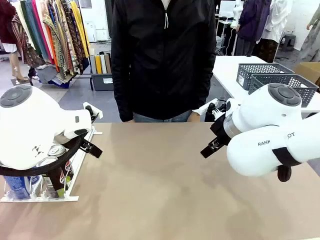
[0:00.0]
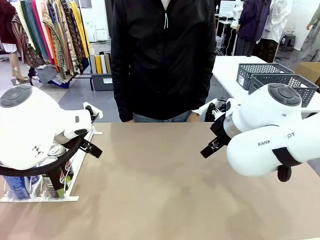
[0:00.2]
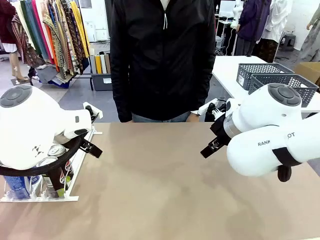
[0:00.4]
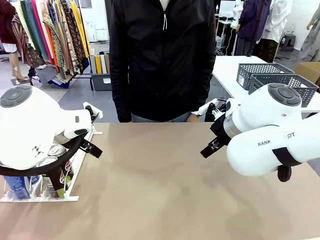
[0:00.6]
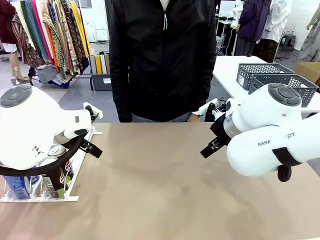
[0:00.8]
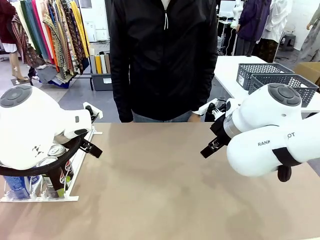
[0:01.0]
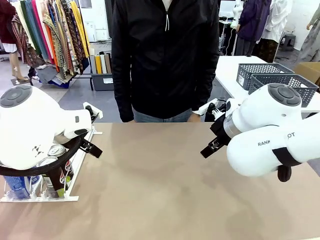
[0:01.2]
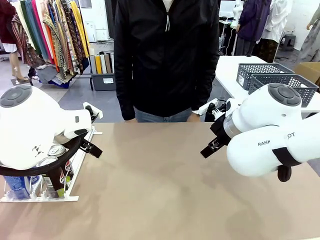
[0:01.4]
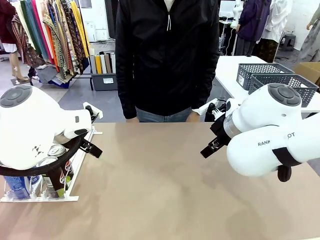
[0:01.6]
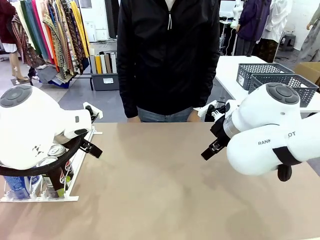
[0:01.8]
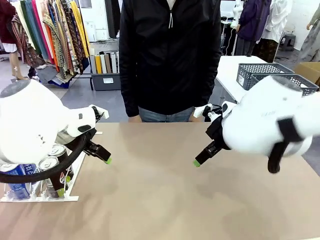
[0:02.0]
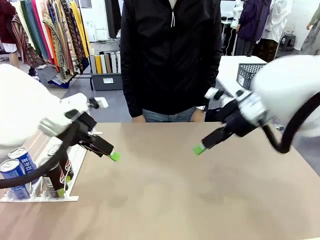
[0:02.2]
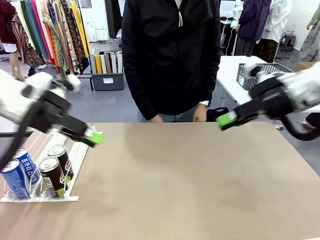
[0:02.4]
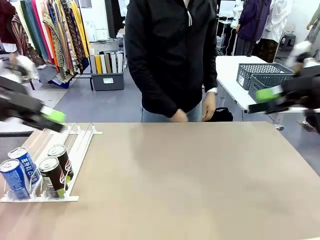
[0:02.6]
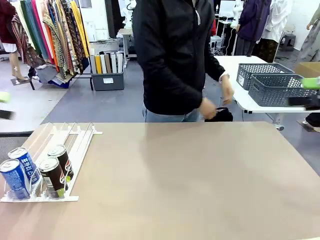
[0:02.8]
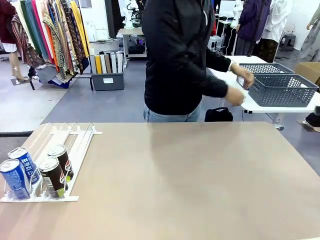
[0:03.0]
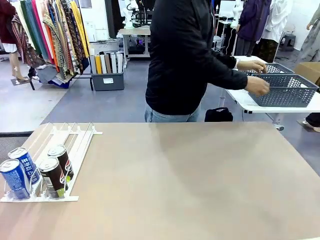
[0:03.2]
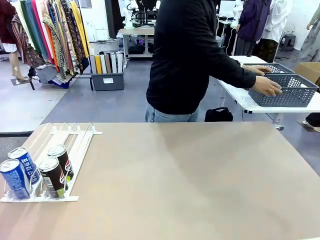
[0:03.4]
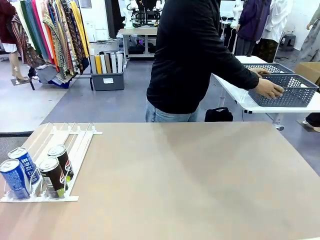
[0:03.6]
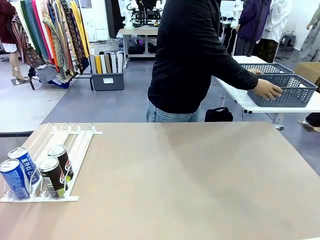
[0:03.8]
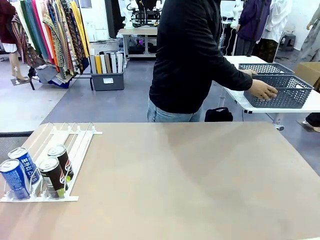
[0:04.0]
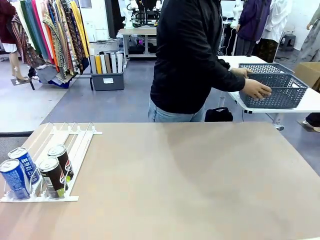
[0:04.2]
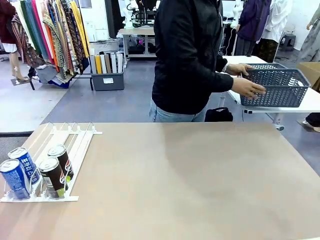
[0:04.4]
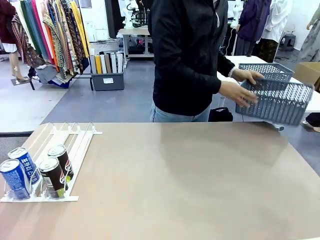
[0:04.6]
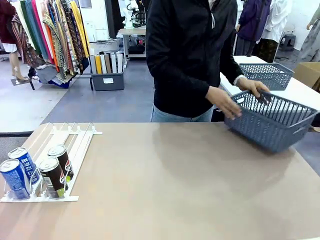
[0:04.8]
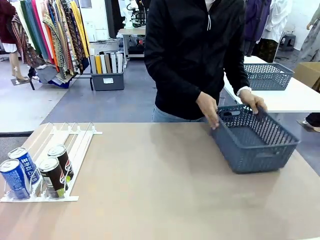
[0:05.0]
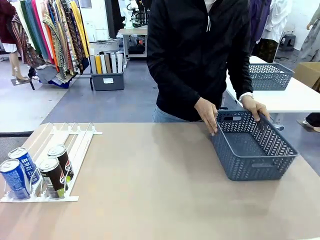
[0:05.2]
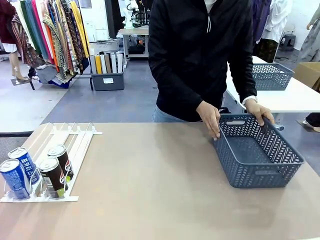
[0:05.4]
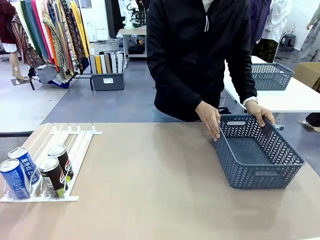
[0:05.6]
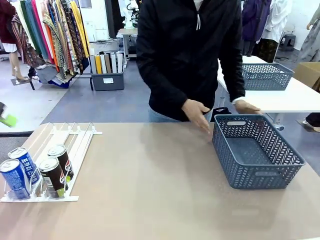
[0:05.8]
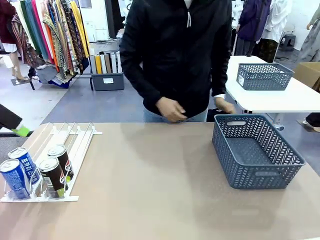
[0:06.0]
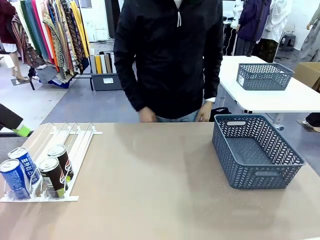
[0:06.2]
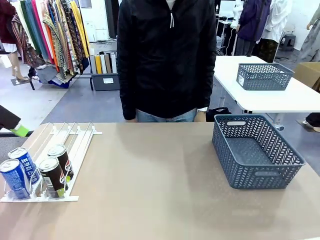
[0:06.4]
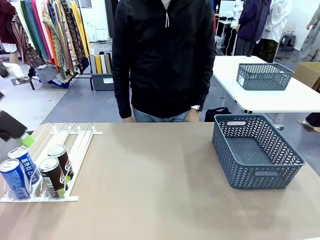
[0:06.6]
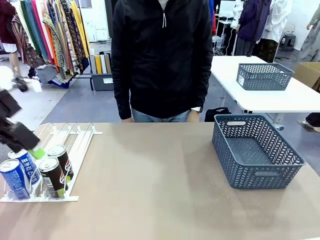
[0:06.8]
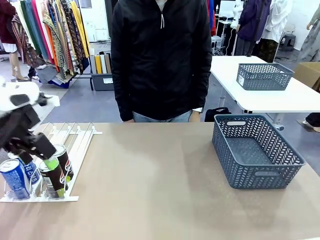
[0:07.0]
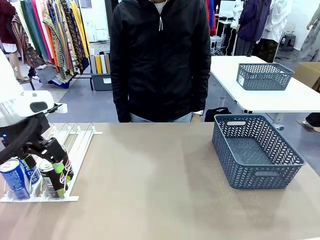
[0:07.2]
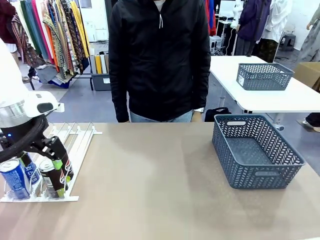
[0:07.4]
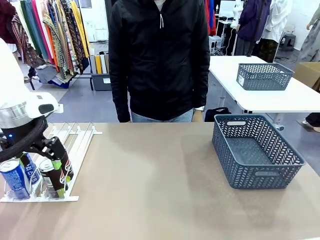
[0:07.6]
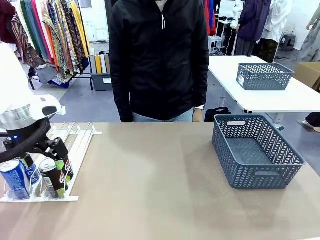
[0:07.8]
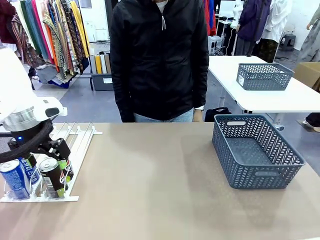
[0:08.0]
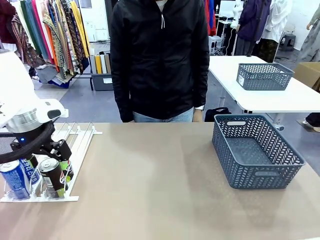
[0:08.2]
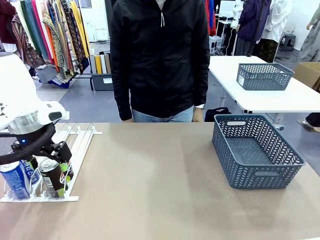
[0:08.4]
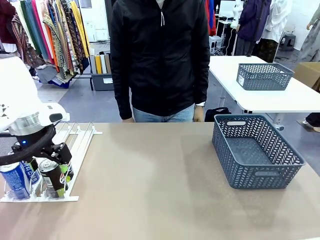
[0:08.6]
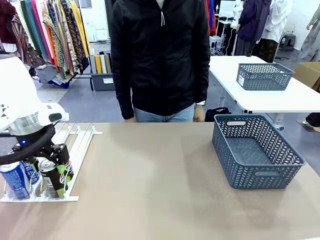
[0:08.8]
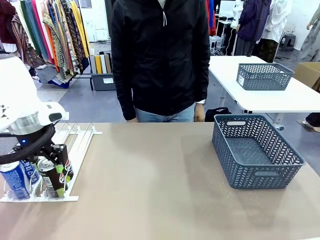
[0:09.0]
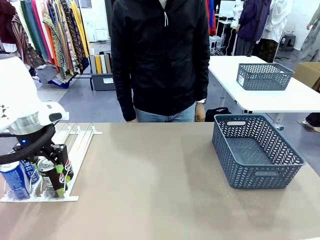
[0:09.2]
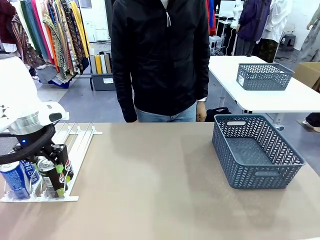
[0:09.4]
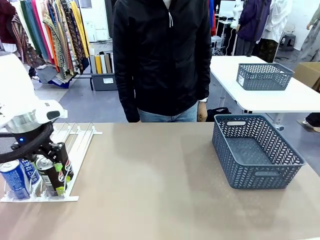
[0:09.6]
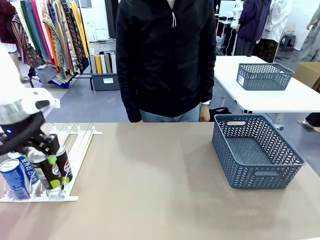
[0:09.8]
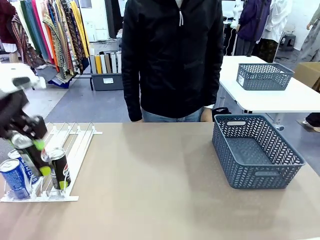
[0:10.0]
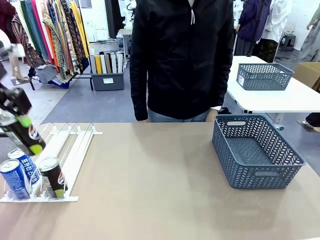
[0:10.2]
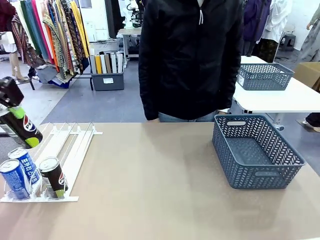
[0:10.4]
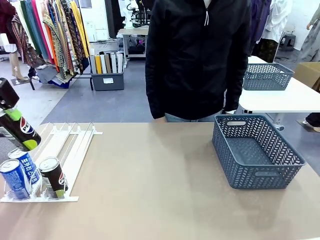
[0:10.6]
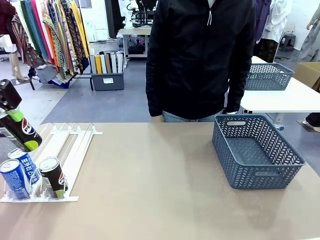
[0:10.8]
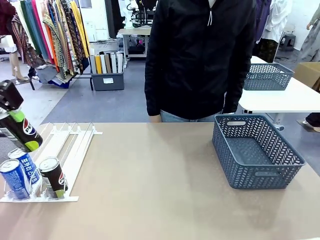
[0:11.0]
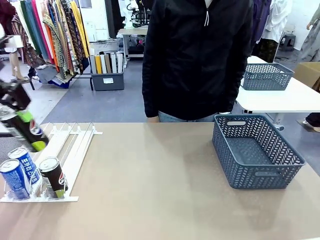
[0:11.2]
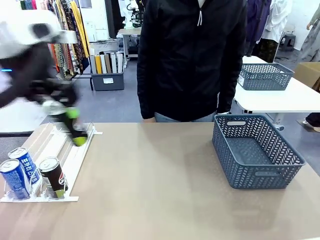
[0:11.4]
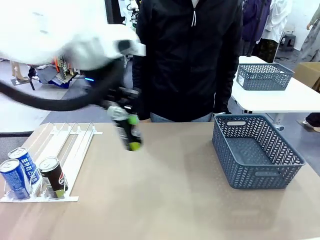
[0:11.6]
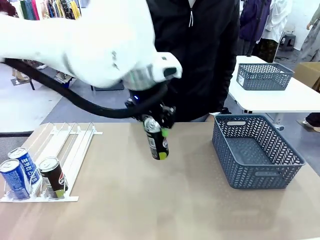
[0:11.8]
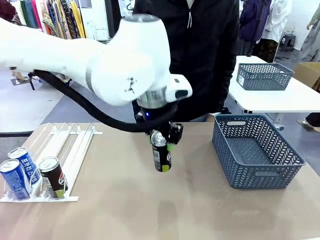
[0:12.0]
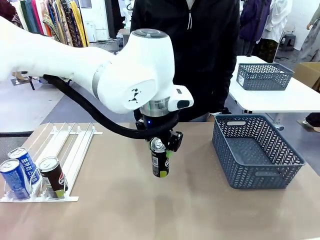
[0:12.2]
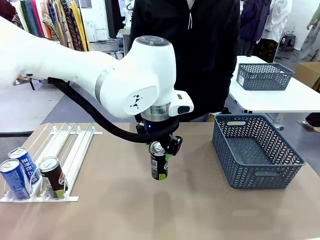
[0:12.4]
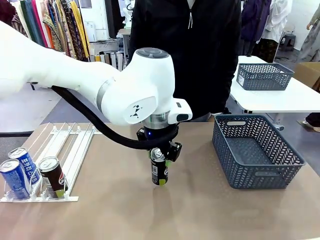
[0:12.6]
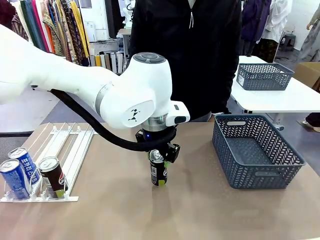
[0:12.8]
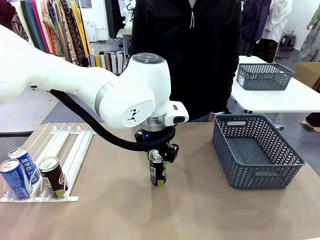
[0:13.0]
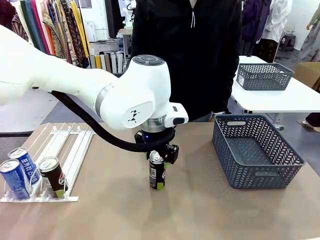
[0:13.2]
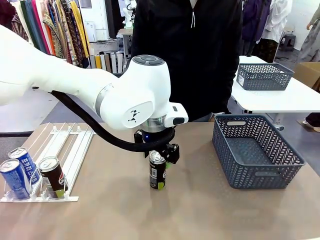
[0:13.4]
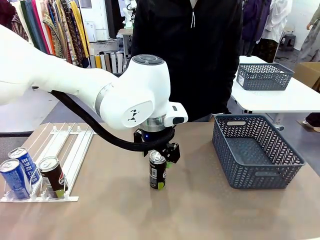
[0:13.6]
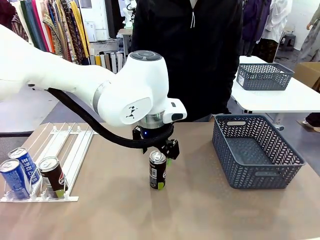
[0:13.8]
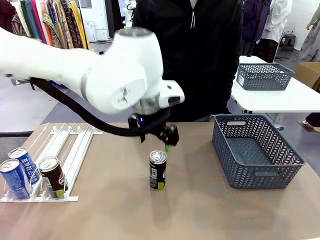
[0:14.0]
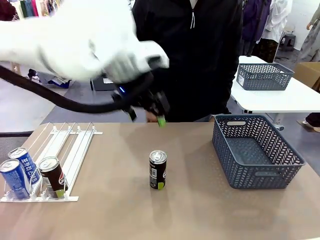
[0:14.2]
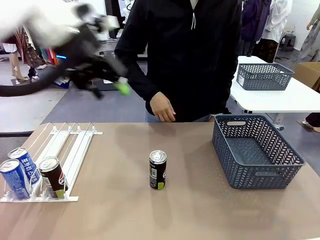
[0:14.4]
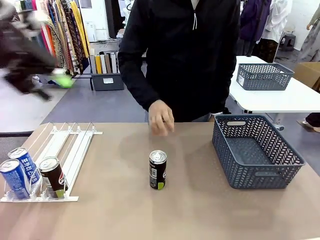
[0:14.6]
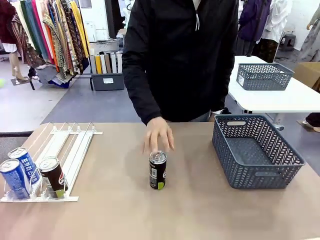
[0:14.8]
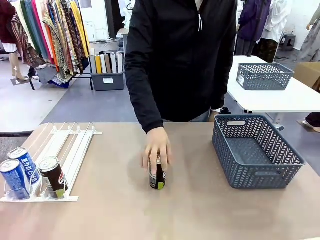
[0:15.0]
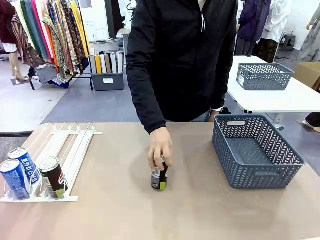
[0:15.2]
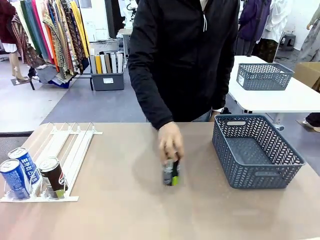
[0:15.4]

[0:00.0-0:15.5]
Task: Retrieve and store the cans from the dispenser.
Robot: Pick up one can from the Automatic Can Dispenser and place it in the middle of the table.
Person: Pick up the basket and place it on the left side of the robot table.

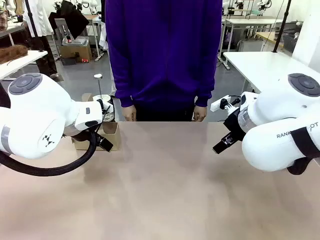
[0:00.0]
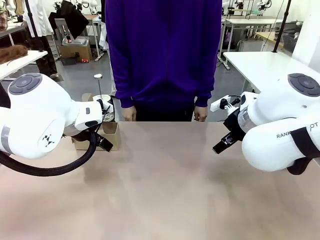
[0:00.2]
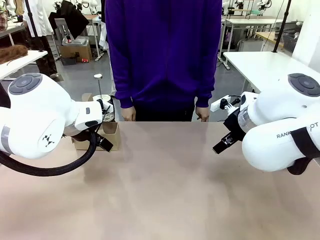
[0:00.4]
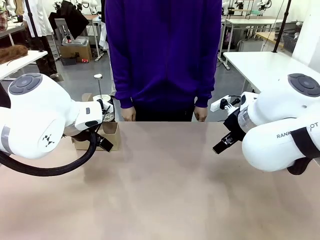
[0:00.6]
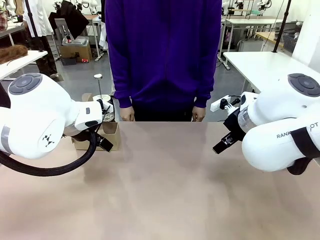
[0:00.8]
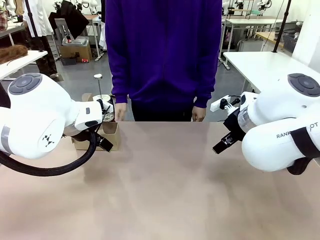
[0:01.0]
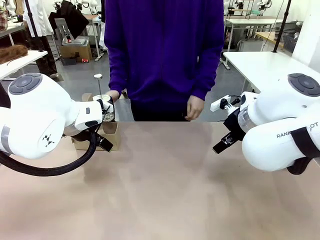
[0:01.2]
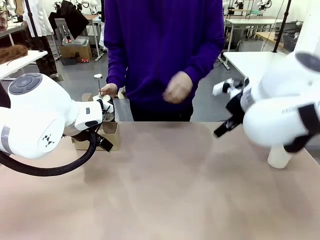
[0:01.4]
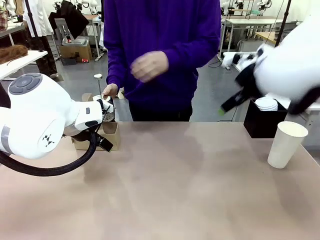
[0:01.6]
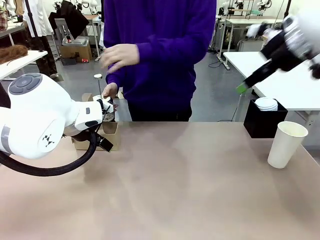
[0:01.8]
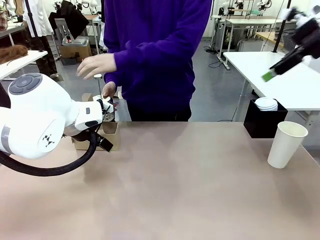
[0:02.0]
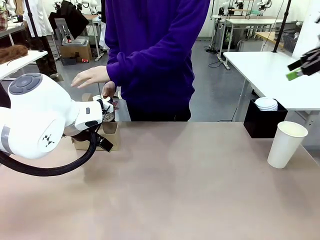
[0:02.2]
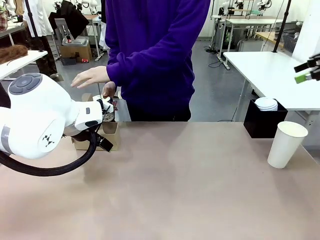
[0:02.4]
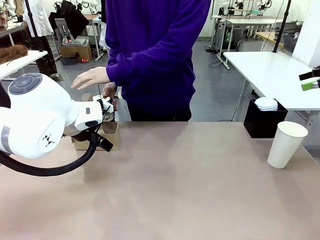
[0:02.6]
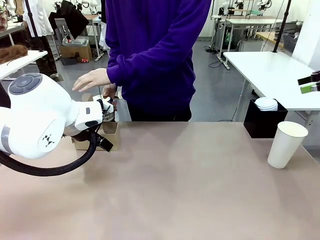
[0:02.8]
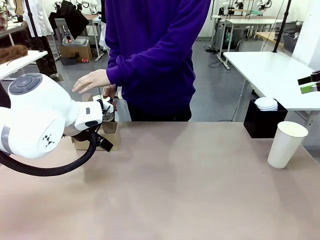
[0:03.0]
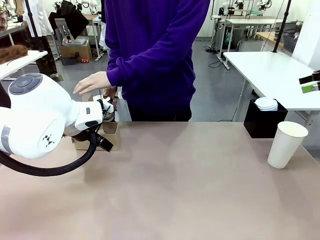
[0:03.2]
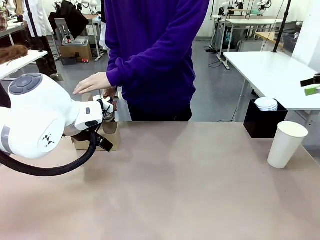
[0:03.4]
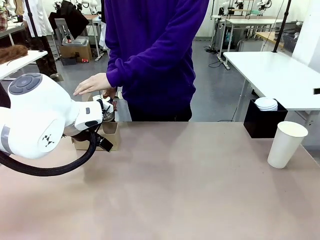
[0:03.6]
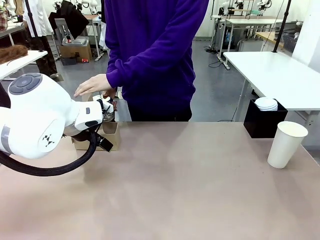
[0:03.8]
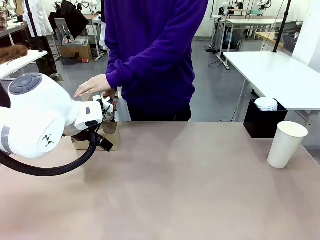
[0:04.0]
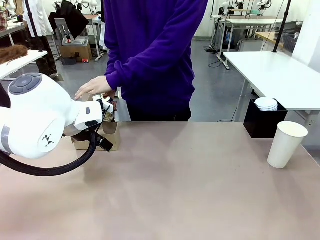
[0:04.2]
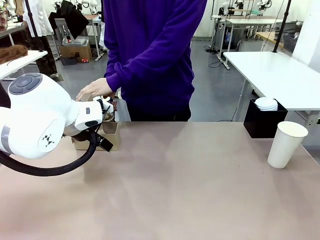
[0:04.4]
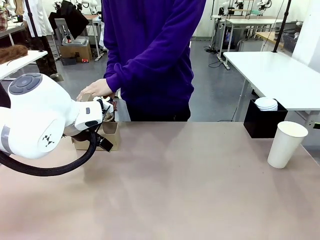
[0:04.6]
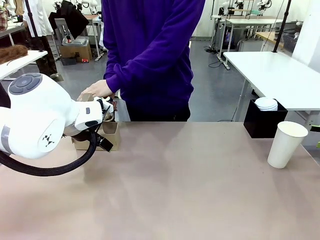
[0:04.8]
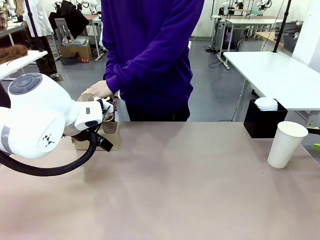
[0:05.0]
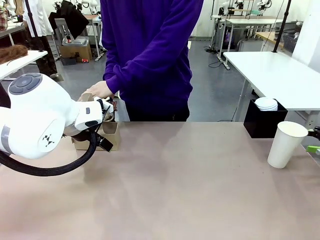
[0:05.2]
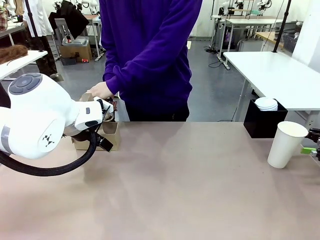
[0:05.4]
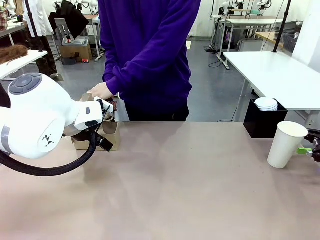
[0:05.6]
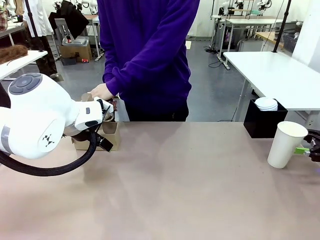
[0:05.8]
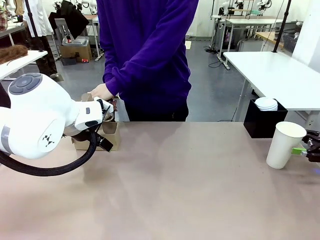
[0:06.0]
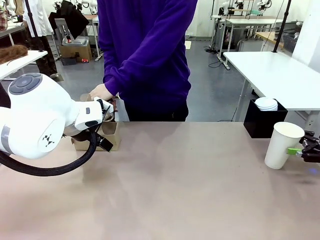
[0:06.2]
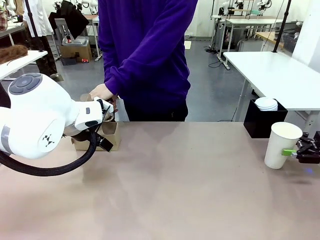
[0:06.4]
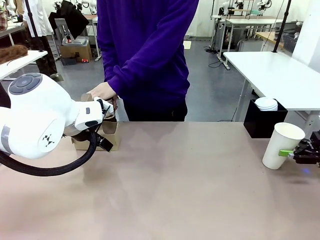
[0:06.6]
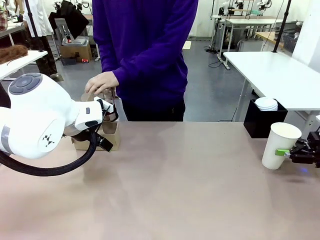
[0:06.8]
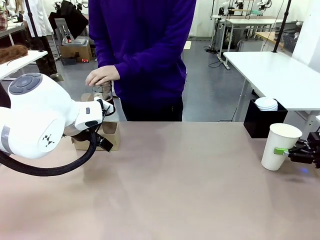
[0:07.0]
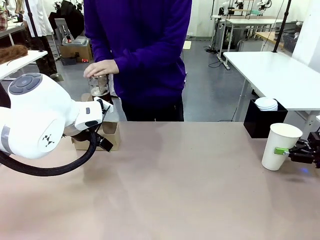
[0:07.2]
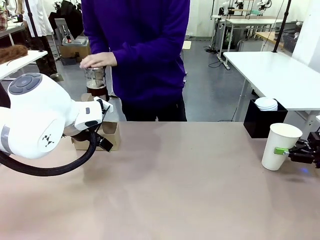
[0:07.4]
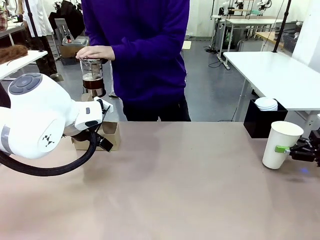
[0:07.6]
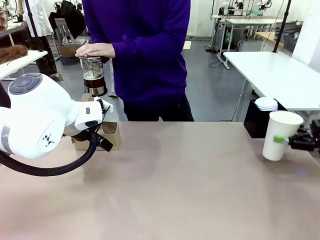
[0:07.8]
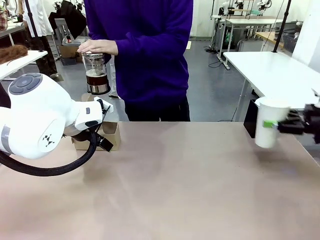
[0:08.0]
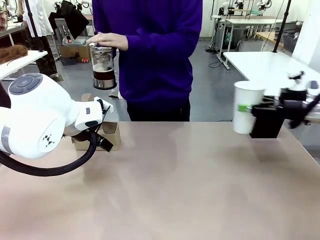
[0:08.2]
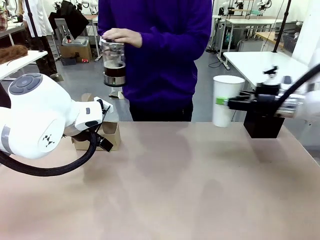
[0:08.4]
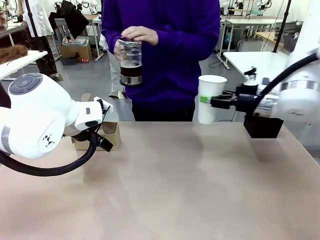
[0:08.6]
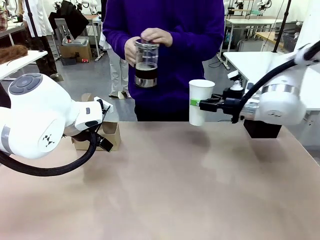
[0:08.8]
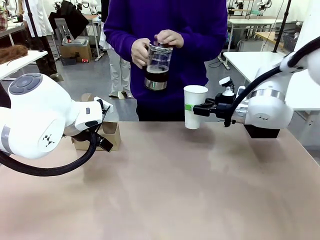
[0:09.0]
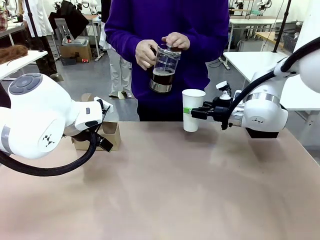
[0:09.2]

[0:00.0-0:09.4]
Task: Pour a drink into a cup and package it in a carrier.
Robot: Pick up the 600 ml Paper Cup and place it in the middle top area of the table.
Person: Press and pick up the Filter Brewing.
